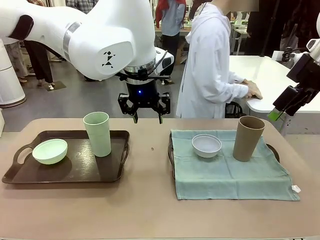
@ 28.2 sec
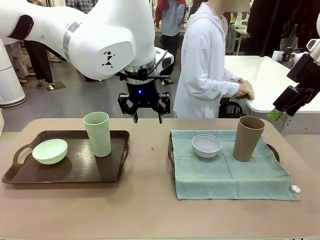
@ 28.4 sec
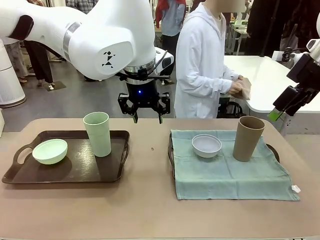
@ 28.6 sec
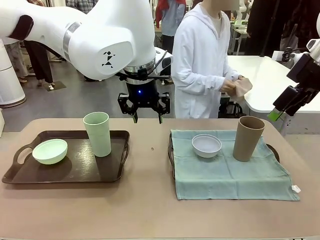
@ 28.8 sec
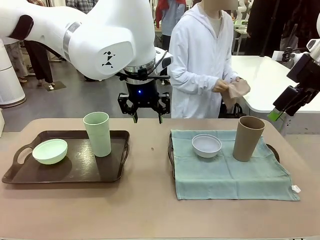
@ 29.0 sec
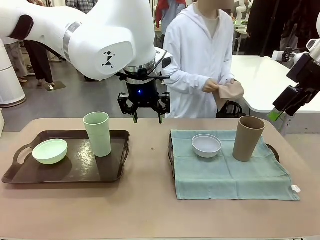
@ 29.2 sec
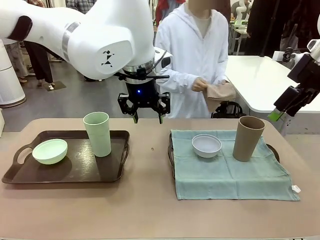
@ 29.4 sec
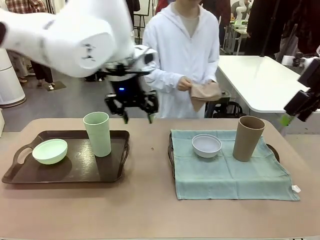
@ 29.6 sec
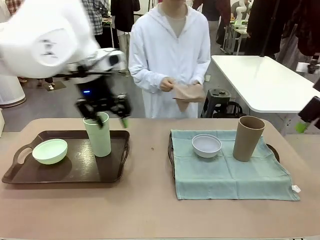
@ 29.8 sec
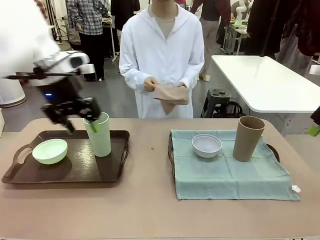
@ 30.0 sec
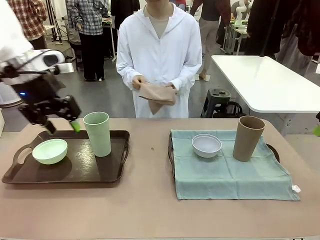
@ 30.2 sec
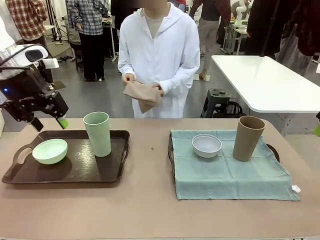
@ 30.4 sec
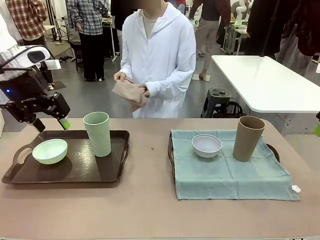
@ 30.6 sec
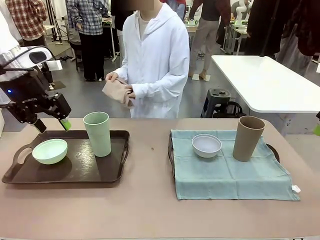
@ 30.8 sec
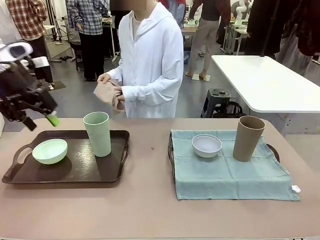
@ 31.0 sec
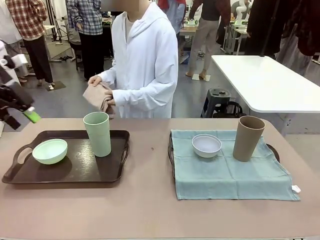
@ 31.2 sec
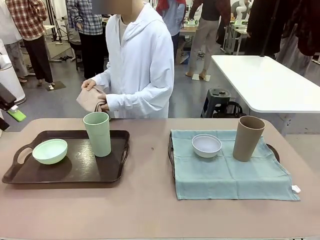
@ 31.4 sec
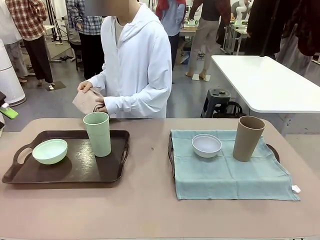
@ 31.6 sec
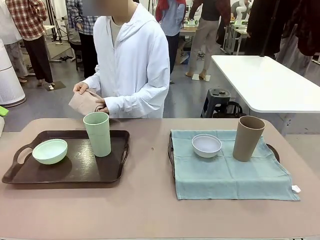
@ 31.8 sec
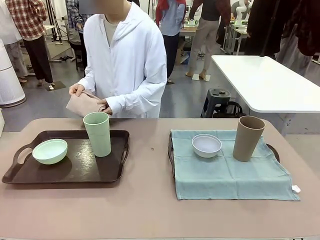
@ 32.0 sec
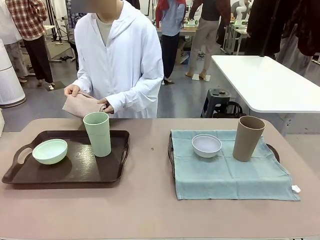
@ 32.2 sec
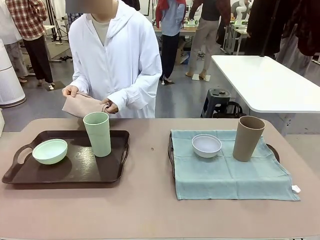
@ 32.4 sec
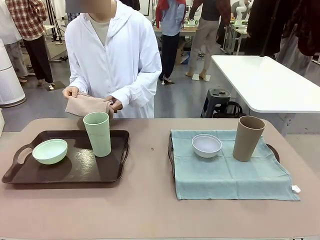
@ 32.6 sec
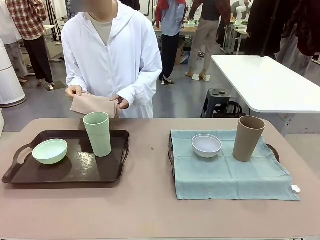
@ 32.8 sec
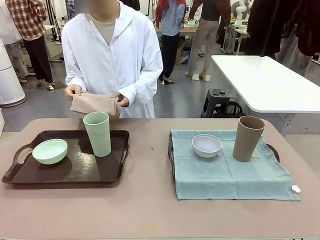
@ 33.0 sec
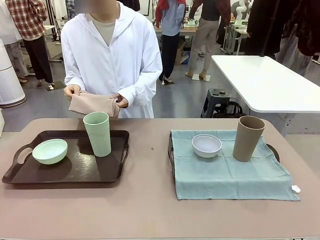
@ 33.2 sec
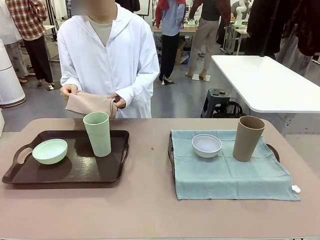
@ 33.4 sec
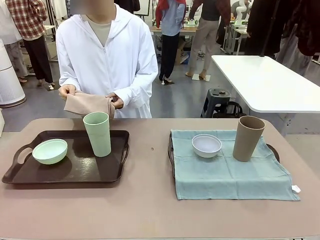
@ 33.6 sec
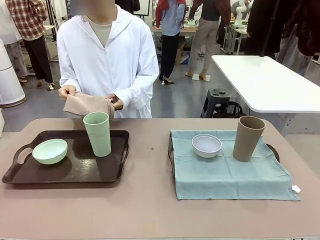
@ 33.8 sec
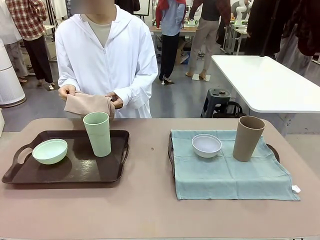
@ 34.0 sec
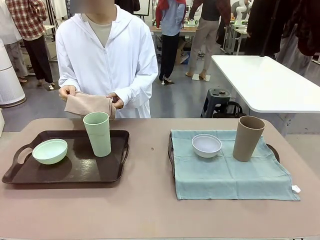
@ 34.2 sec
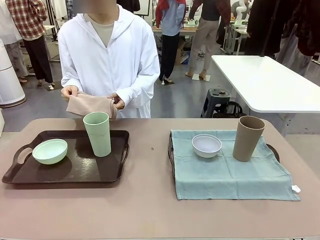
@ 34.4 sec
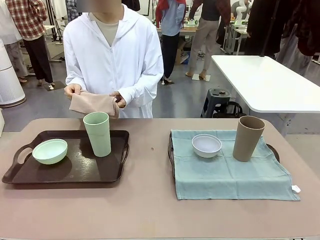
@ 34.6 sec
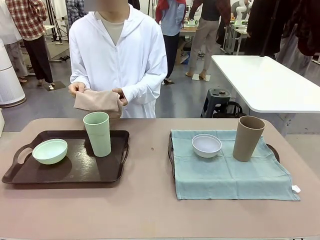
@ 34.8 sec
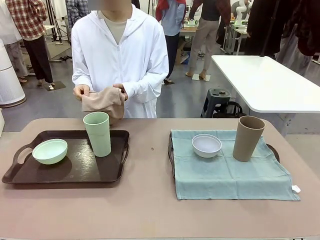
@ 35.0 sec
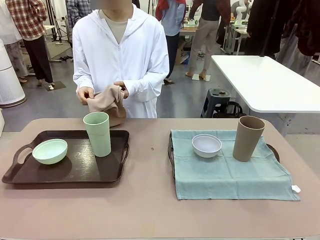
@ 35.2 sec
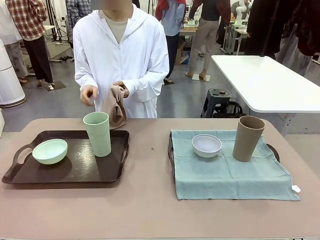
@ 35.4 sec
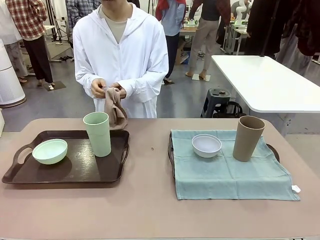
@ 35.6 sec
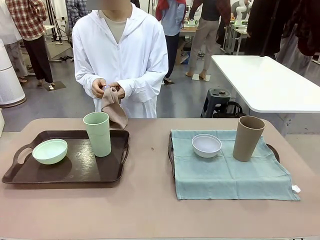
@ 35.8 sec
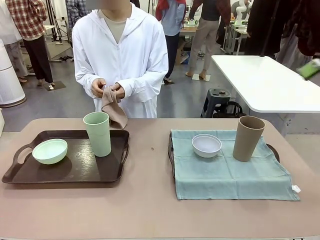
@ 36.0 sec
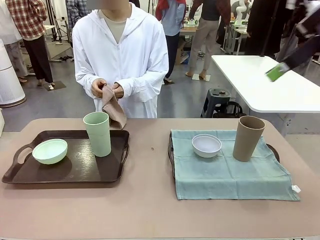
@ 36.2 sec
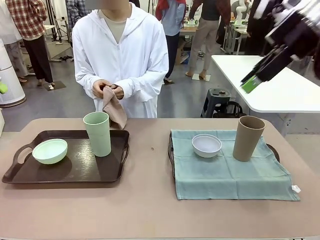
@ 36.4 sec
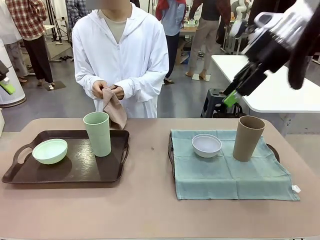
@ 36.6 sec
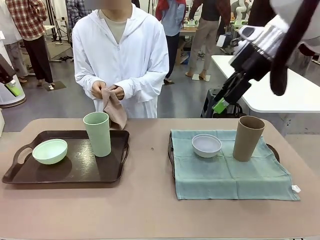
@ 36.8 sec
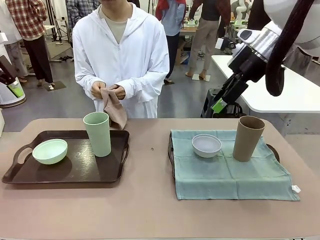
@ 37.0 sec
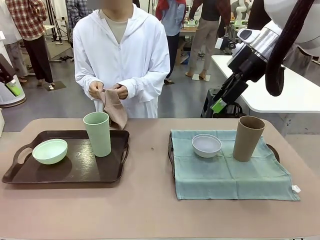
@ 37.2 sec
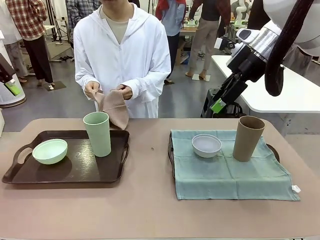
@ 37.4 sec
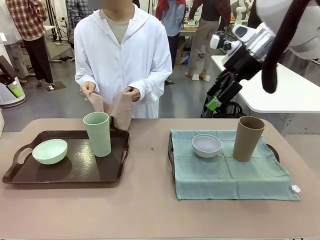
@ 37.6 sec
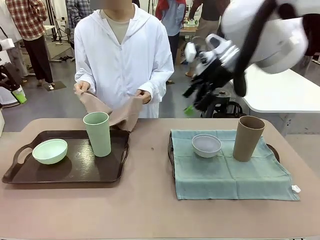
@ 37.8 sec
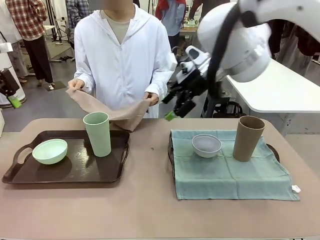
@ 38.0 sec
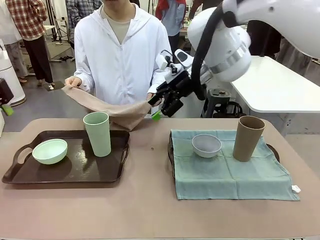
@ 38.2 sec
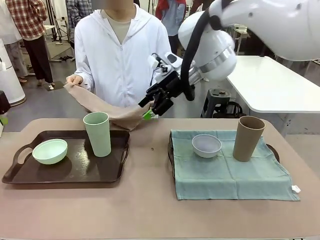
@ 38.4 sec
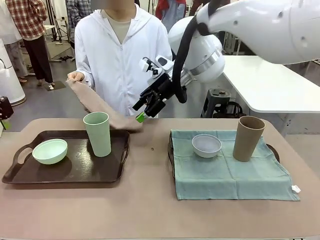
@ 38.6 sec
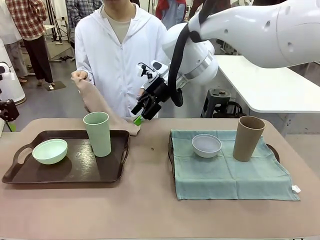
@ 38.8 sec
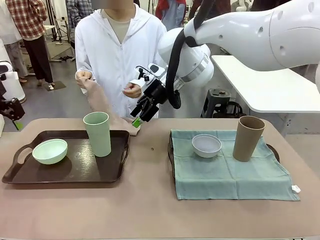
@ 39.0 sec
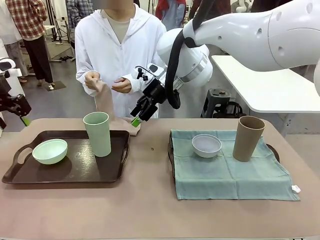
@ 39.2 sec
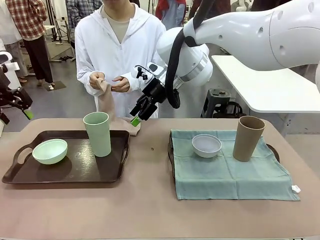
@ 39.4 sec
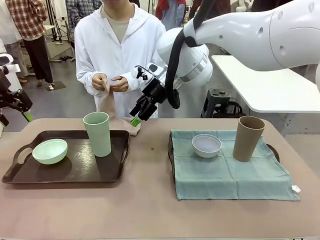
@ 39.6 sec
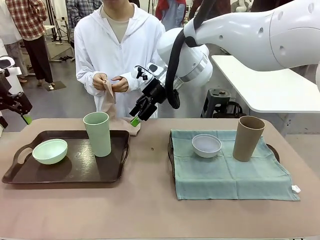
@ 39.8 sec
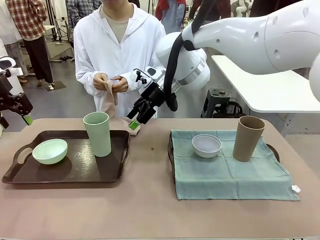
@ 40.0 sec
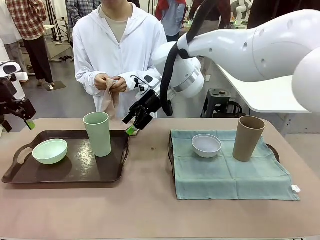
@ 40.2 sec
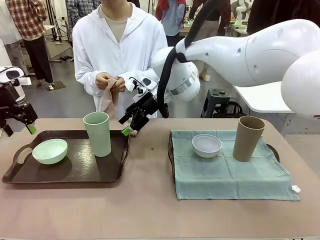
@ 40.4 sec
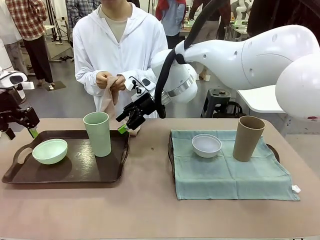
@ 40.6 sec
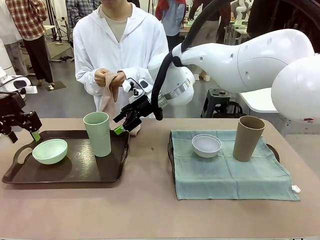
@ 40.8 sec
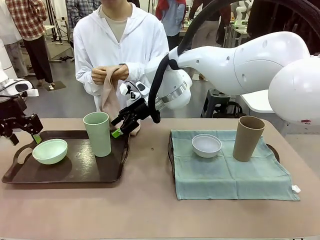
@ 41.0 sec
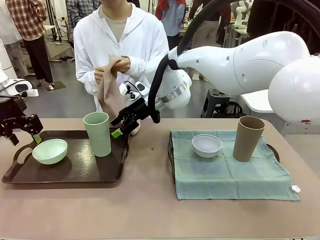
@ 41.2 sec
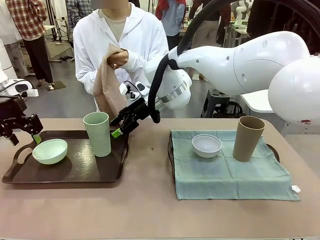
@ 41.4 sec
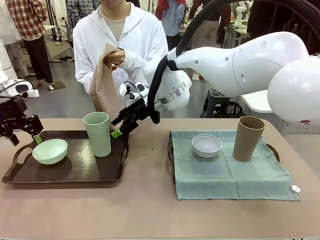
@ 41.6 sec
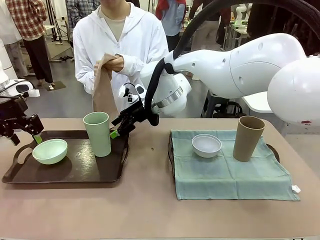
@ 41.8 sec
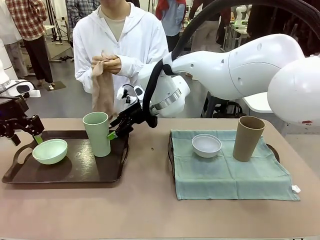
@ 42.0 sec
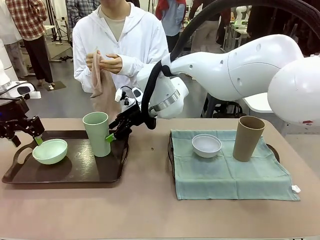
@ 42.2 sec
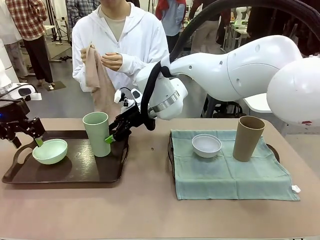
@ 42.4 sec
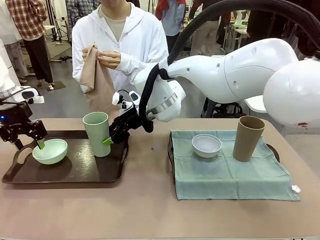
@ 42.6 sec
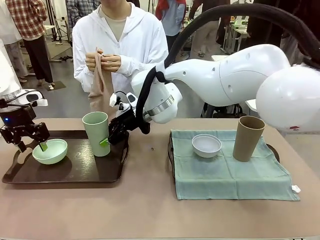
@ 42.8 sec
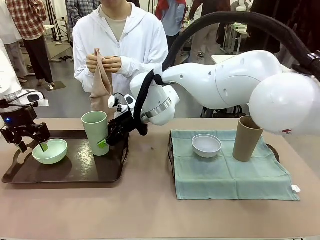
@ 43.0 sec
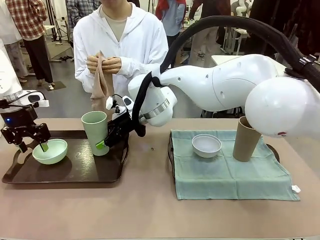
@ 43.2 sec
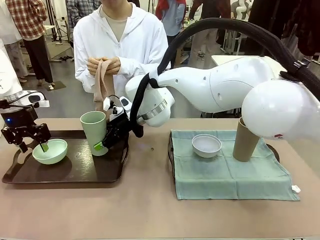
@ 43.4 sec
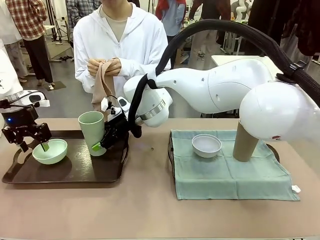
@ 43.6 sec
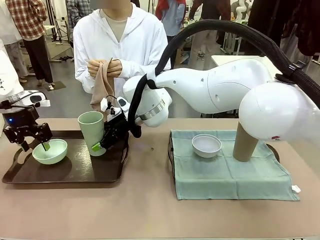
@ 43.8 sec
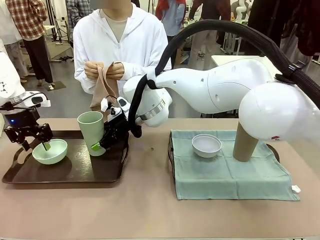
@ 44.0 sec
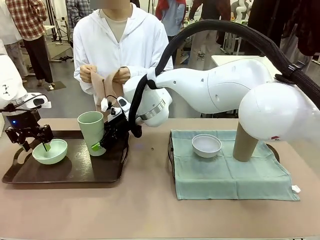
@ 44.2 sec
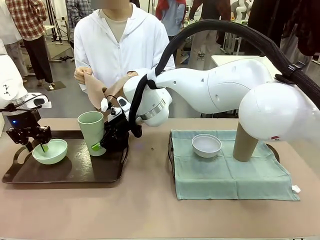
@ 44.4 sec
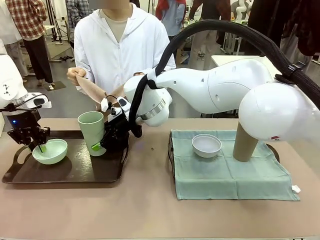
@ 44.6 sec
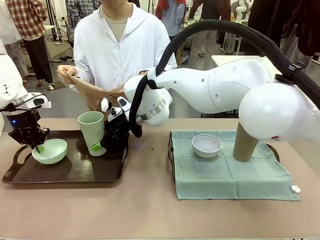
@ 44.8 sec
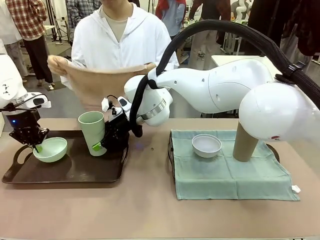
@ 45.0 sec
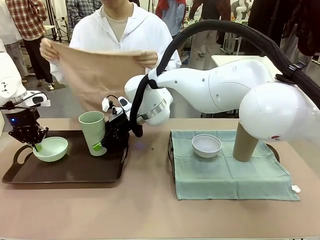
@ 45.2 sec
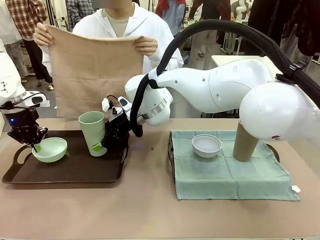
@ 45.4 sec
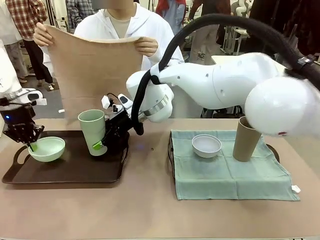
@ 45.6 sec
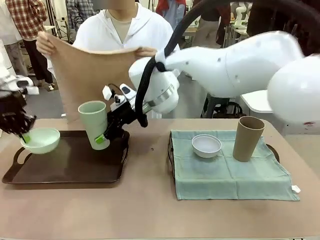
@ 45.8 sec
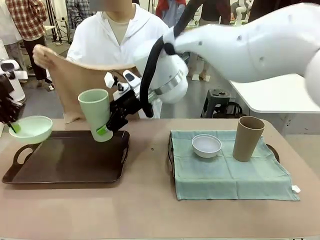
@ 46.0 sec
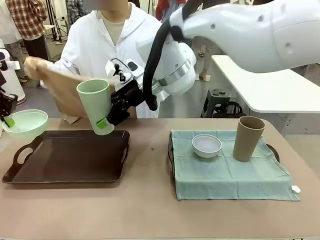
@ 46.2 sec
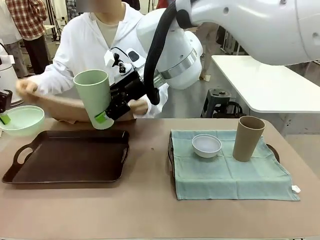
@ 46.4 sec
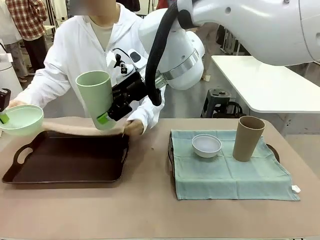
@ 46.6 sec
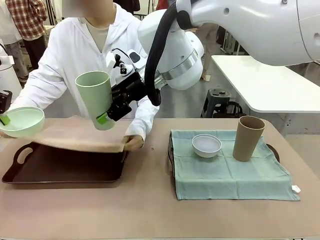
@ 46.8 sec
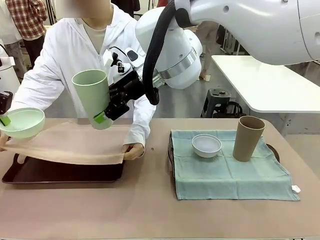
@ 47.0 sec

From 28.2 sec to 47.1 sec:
Robot: Pick up the Picnic Bowl and Reusable plastic cup from the Handle tray in front of the human's position and hold them in the air.
